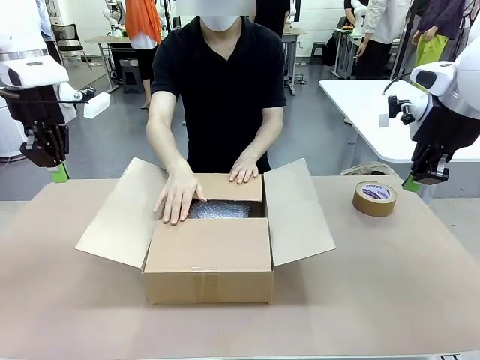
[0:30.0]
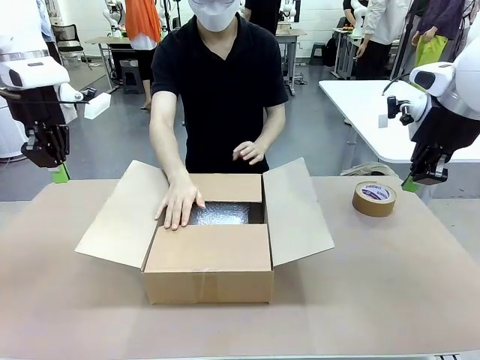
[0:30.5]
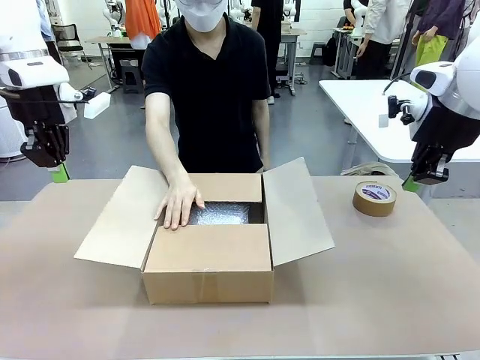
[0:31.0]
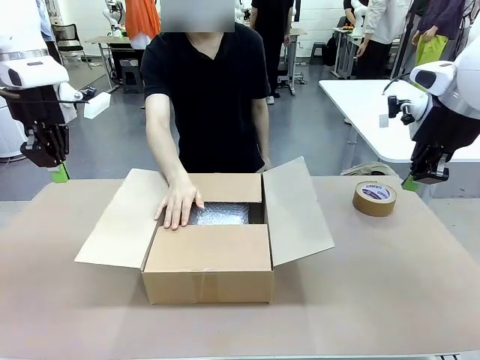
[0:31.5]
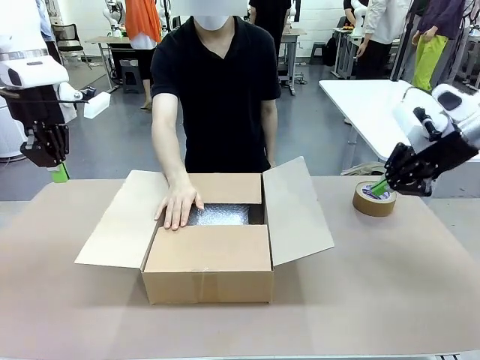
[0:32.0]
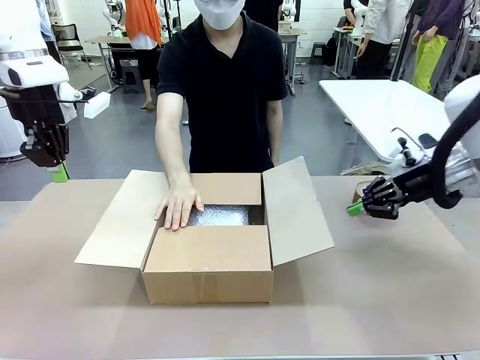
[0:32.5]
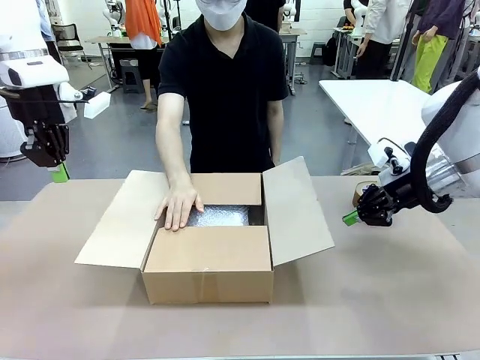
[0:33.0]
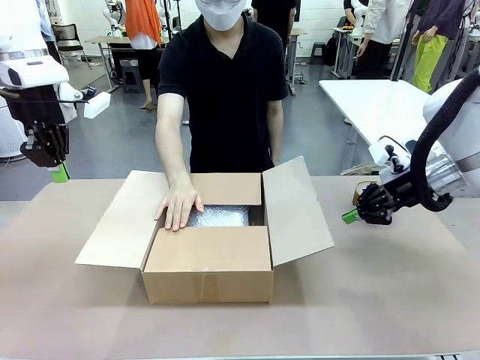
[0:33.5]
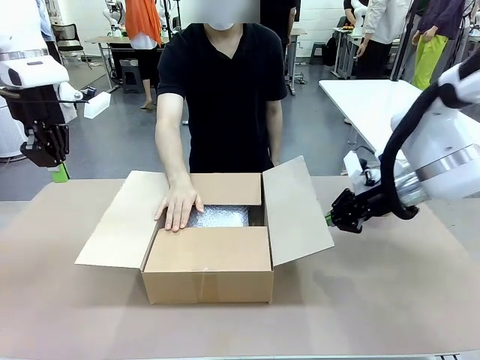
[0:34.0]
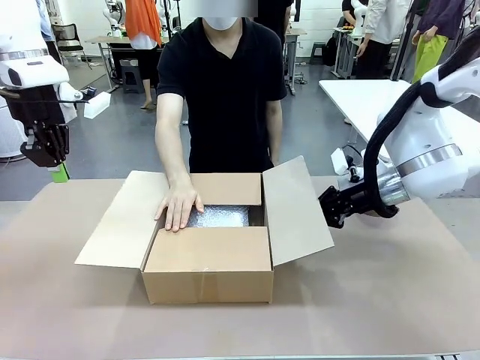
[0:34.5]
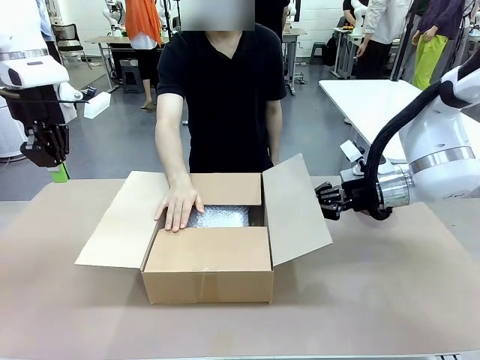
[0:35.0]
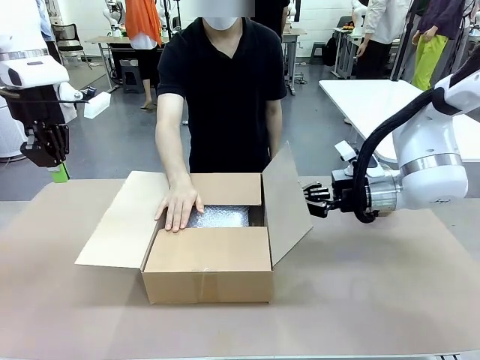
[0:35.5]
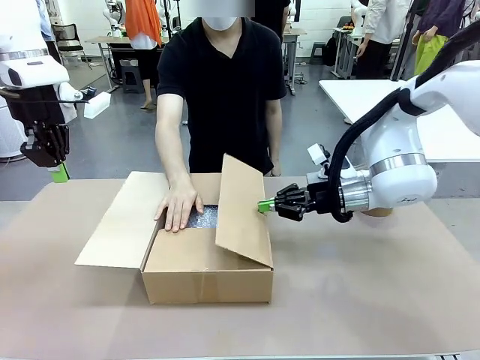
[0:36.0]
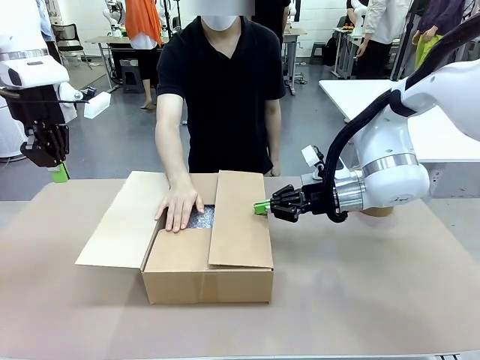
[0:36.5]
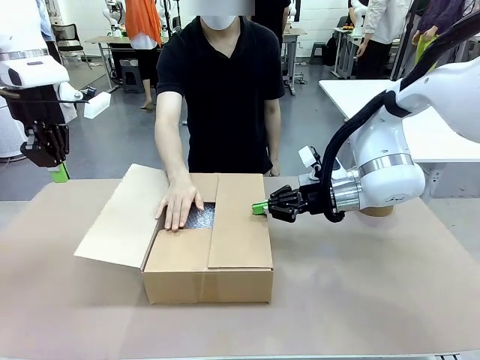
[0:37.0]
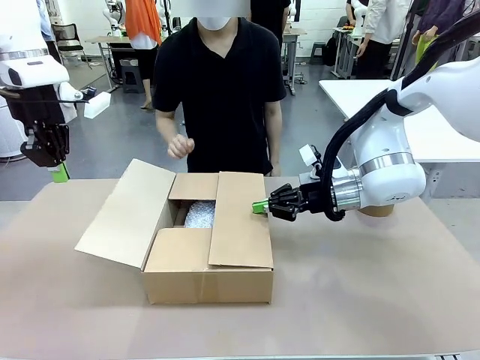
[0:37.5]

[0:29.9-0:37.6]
Task: Wrap the clocks to prevent damage.
Robot: Push the right (or left) flap of the Package Box to close it.
Person: Once the robot closes the right flap of the Package Box , release your left hand from the box.

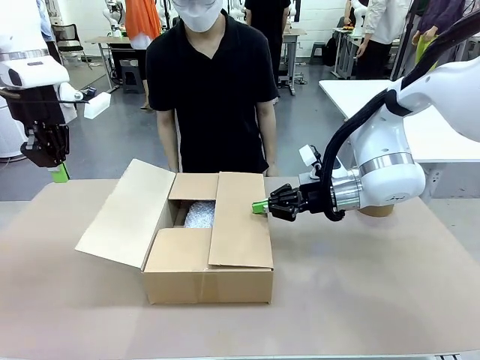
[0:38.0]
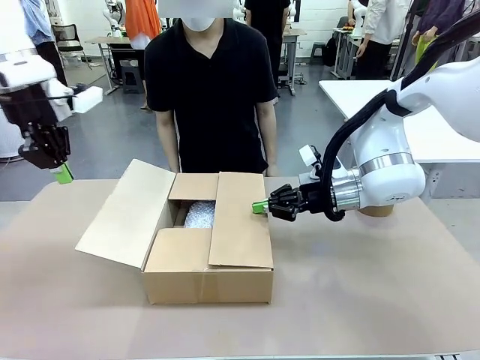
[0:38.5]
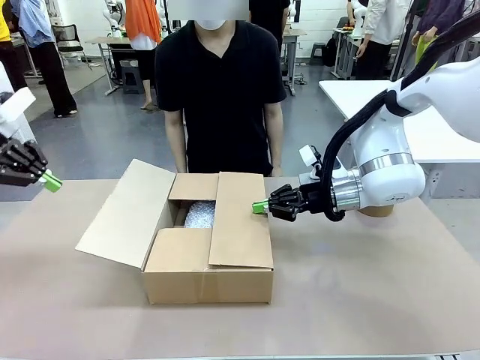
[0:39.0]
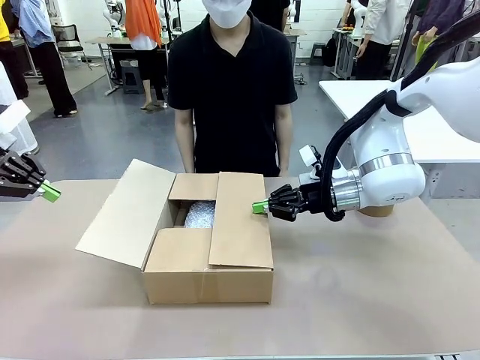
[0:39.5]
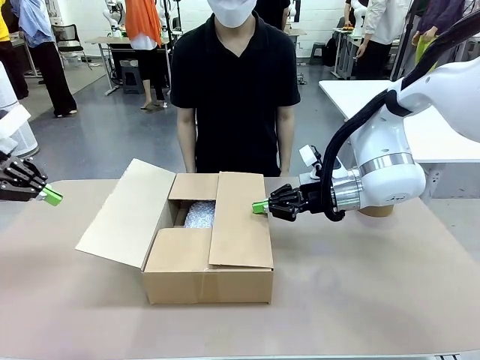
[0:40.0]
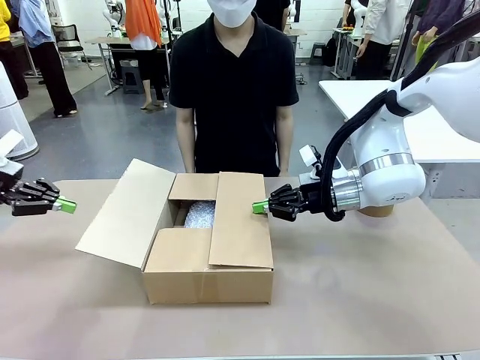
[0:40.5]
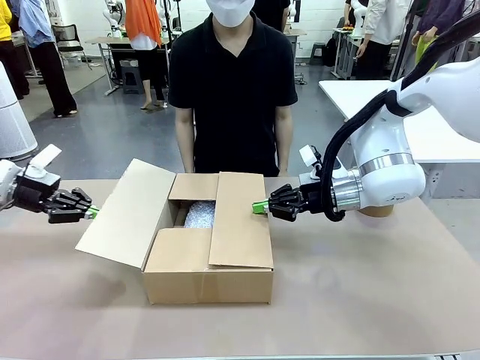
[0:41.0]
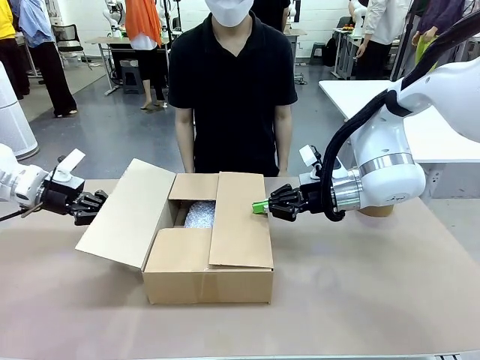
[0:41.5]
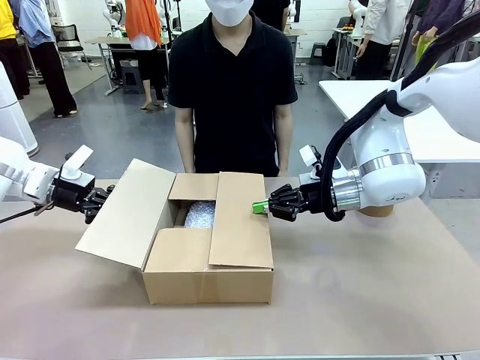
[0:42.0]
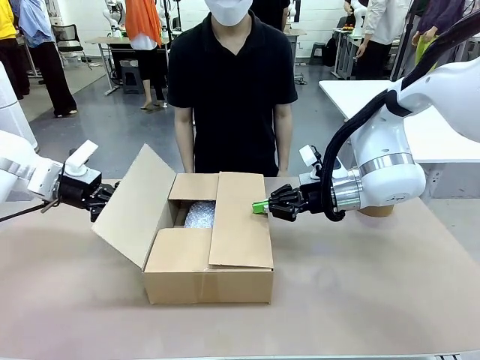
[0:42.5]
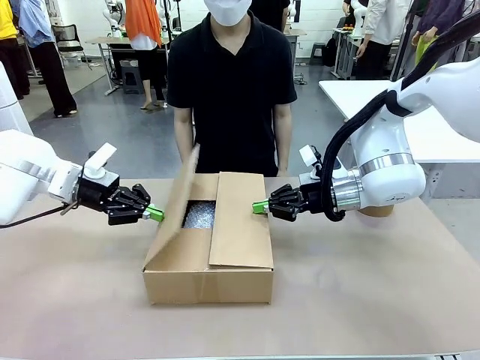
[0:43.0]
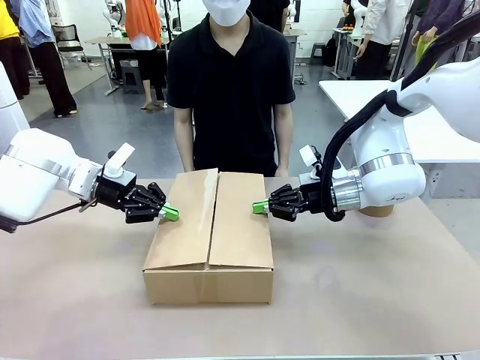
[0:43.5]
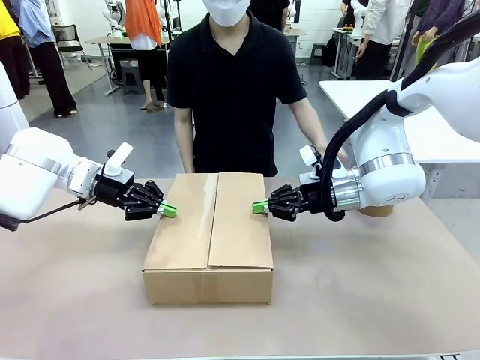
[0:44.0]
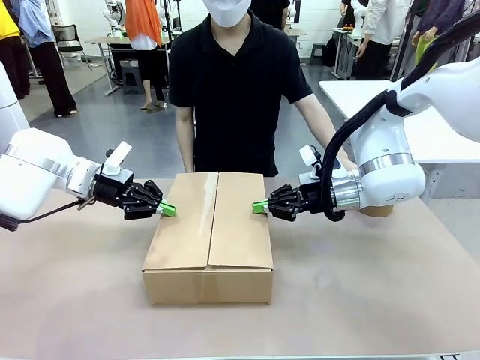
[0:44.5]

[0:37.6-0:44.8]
Robot: Push the left (or right) flap of the Package Box to close it.

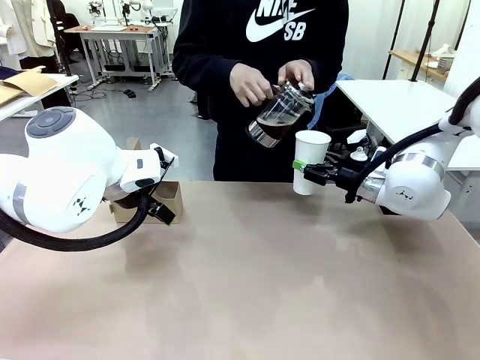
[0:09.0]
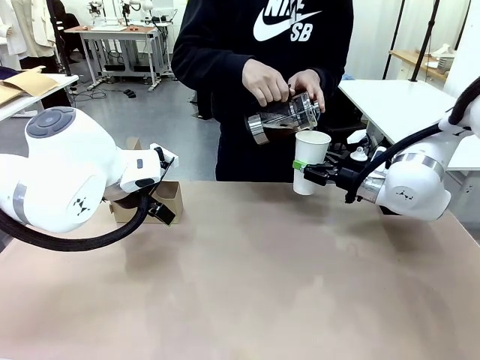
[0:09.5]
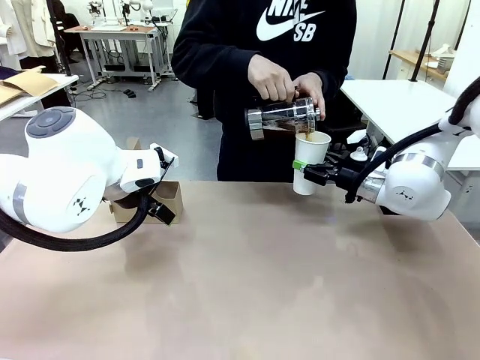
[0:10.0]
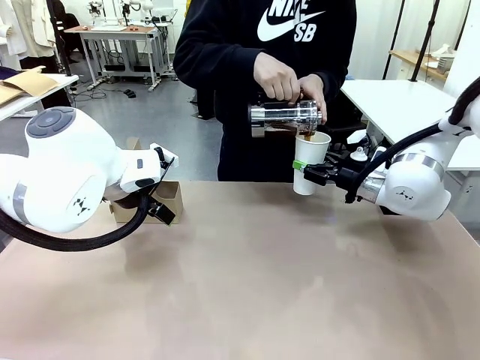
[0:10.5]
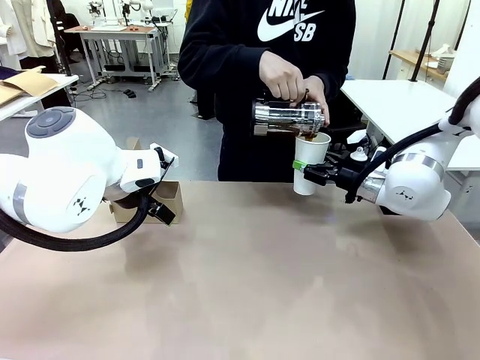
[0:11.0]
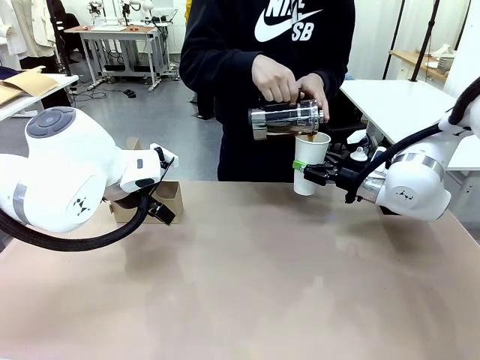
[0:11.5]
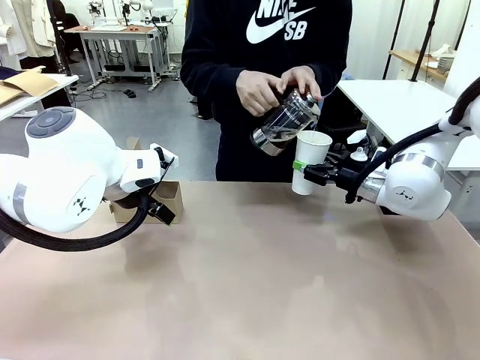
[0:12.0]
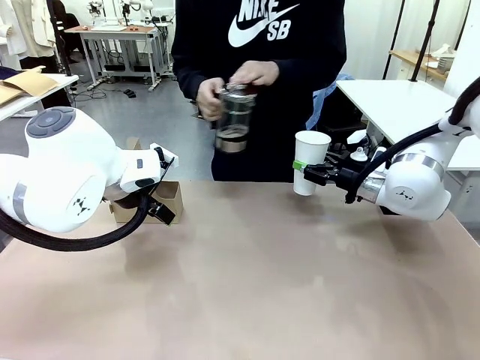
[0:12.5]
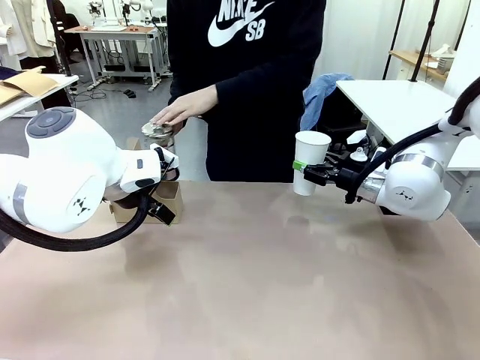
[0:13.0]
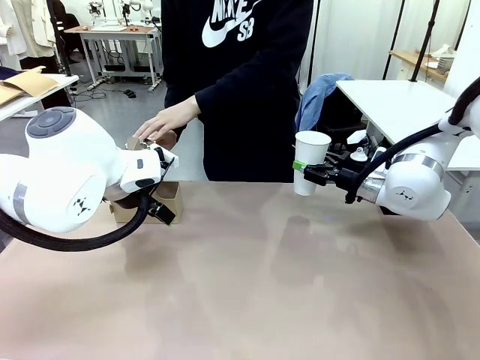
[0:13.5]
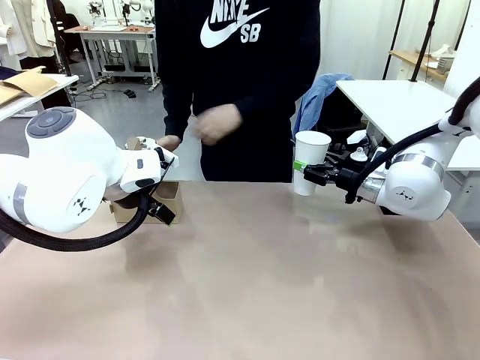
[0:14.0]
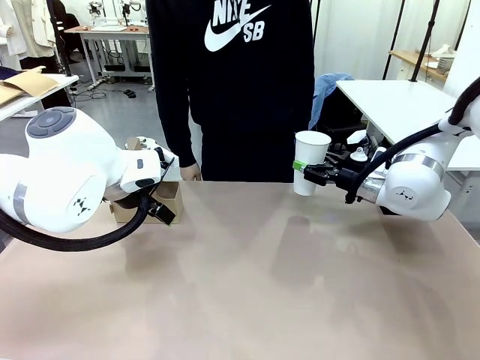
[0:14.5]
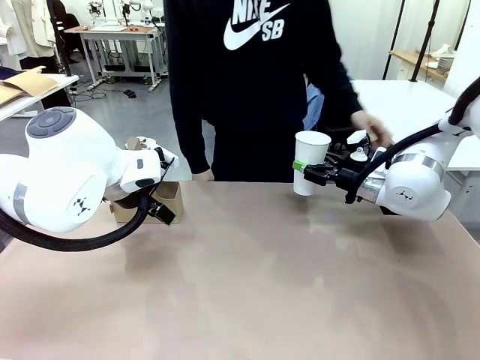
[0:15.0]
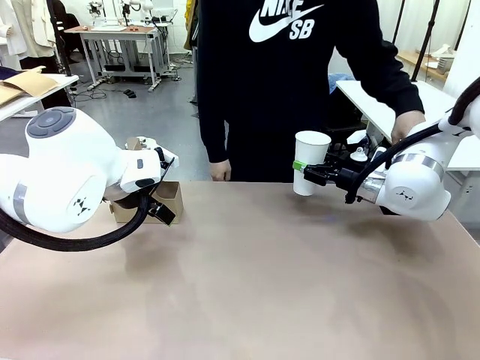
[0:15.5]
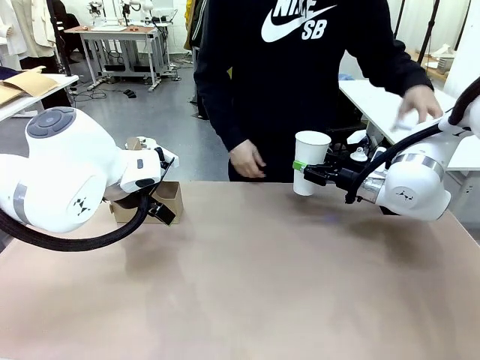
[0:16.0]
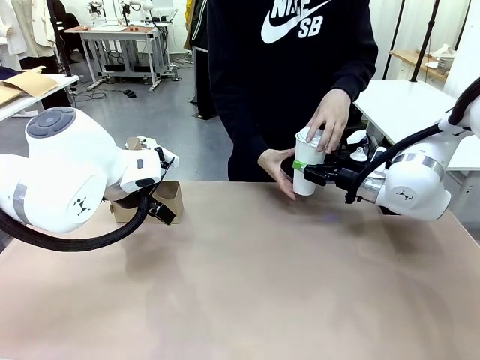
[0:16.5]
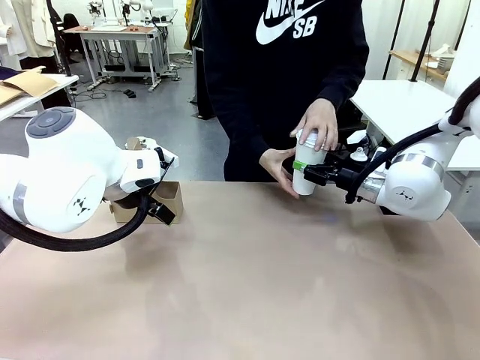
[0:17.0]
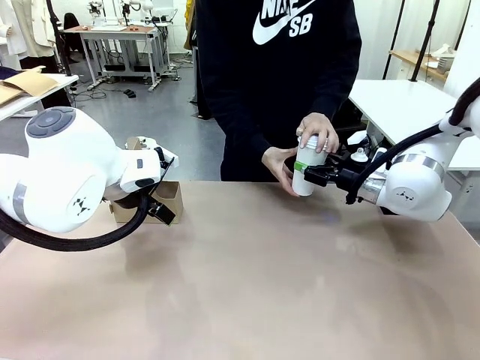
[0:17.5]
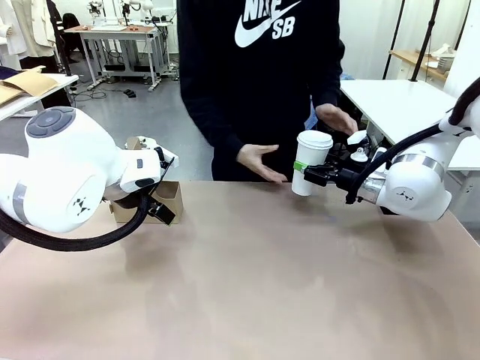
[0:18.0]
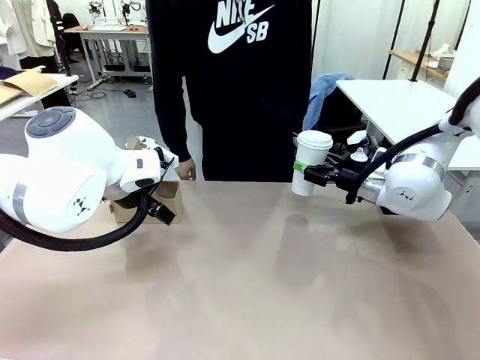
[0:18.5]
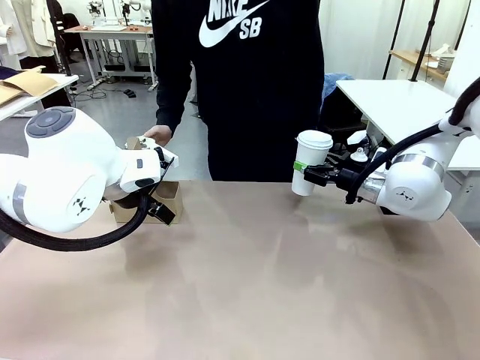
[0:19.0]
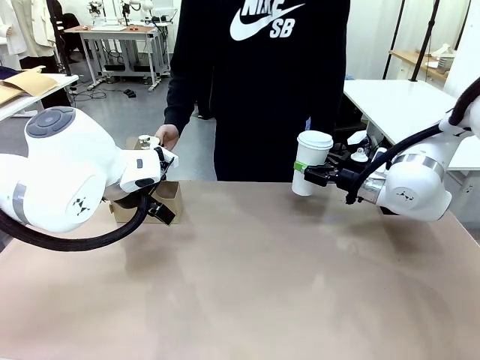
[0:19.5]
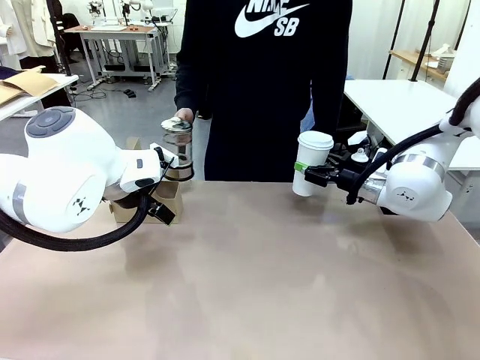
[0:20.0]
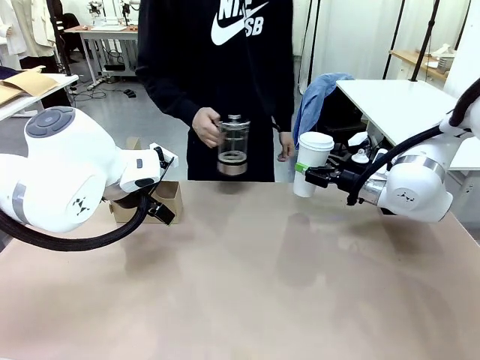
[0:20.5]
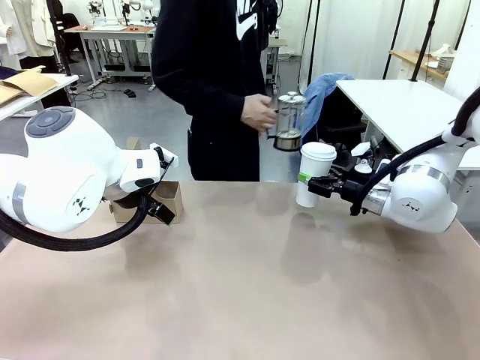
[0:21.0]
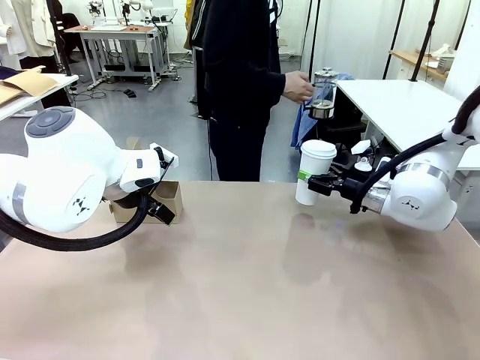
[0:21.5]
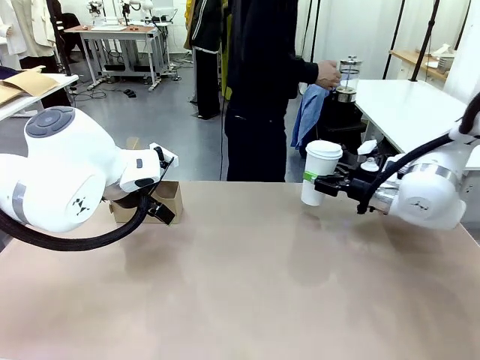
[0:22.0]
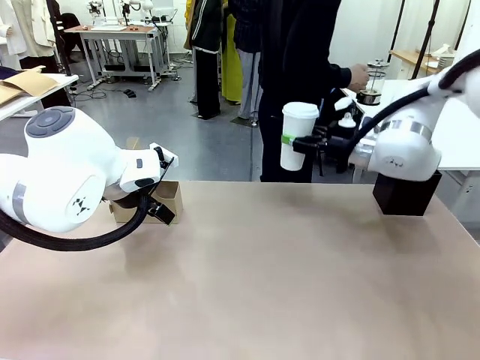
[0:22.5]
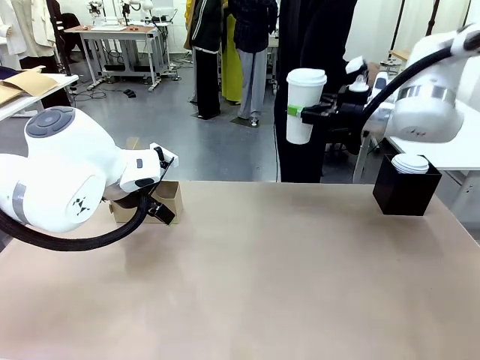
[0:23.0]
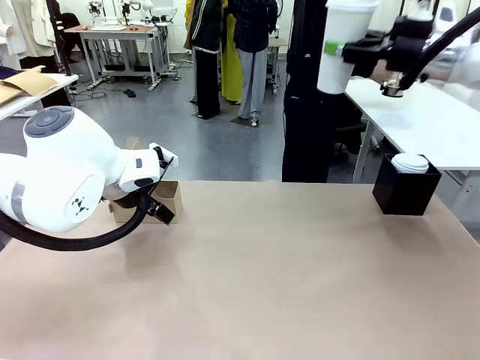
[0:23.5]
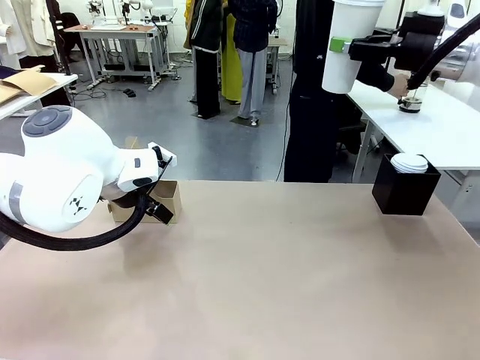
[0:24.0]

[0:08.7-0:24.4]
Task: Pour a drink into a cup and package it in a carrier.
Robot: When a person places the Paper Cup Lid on the 600 ml Paper Cup , lift the 600 ml Paper Cup.
Person: Pour the drink from the Filter Brewing into the 600 ml Paper Cup. Place a Paper Cup Lid on the 600 ml Paper Cup.
